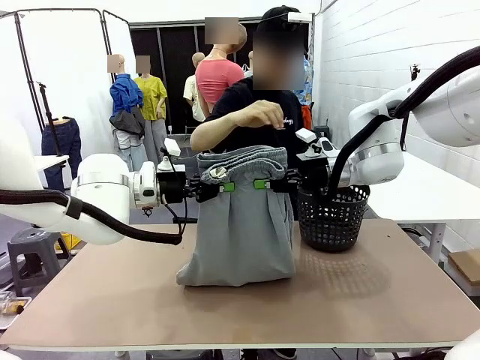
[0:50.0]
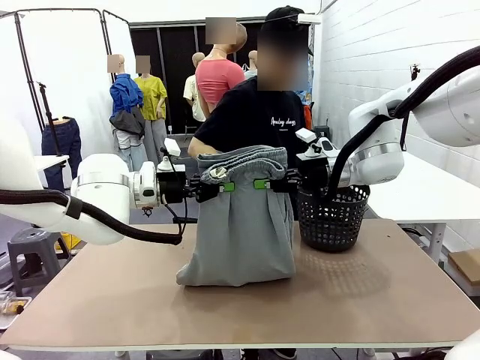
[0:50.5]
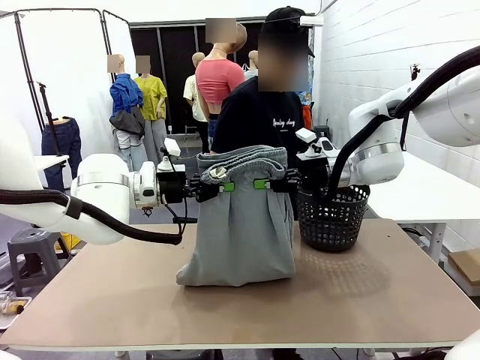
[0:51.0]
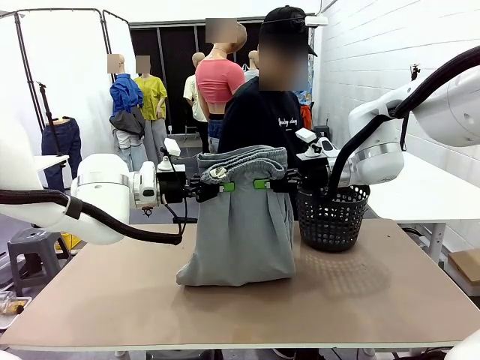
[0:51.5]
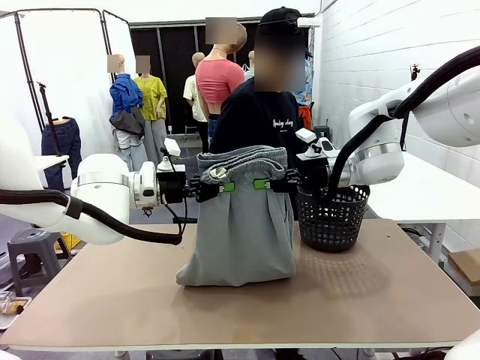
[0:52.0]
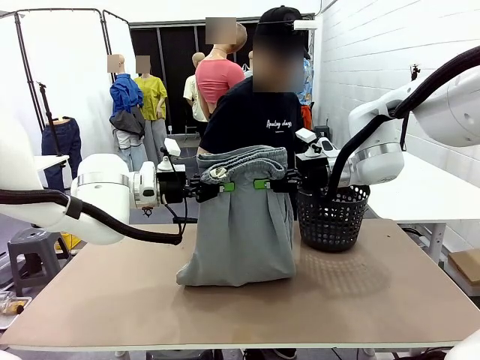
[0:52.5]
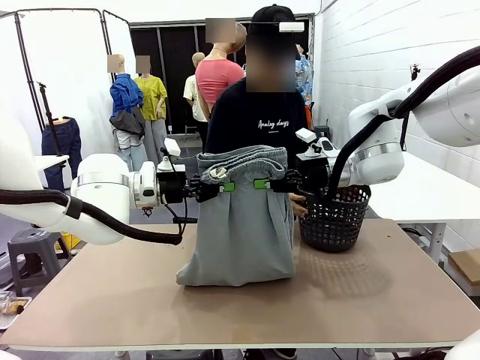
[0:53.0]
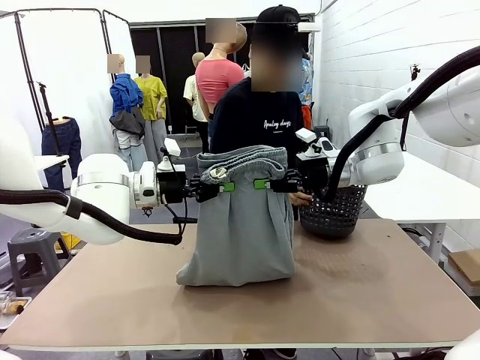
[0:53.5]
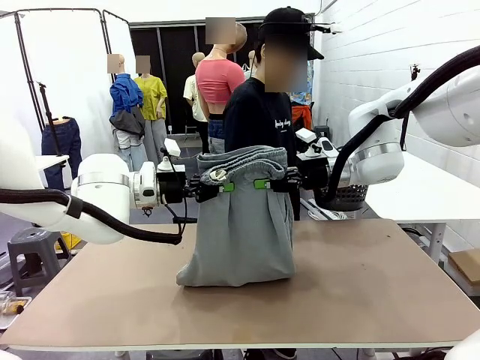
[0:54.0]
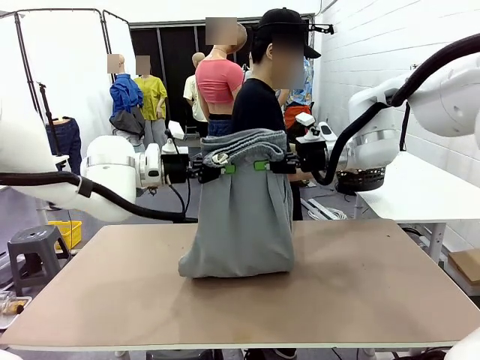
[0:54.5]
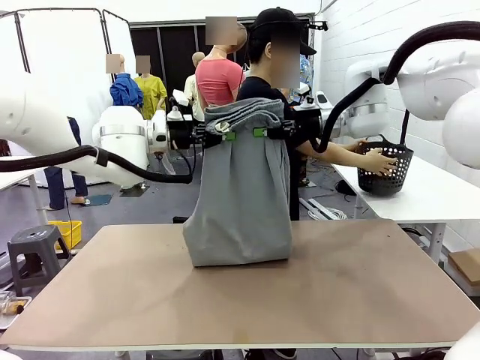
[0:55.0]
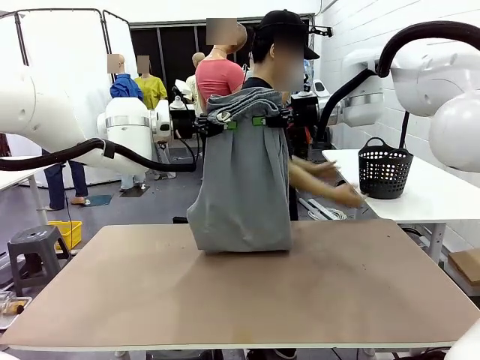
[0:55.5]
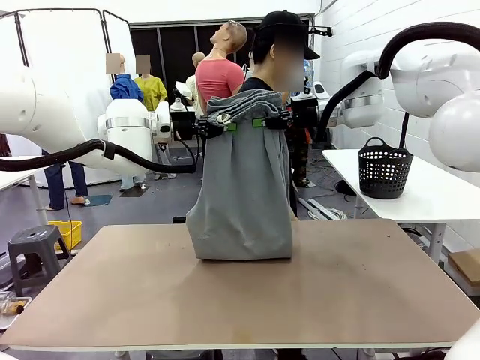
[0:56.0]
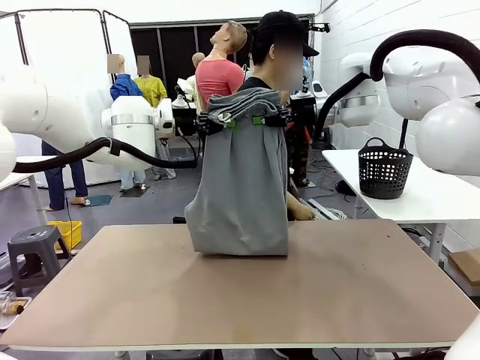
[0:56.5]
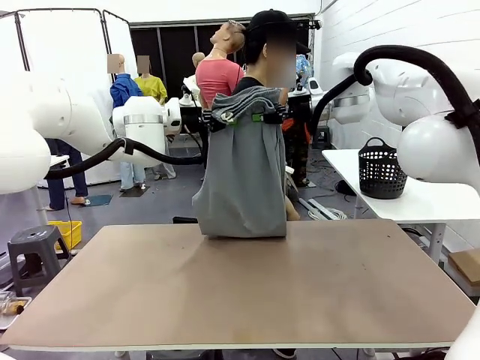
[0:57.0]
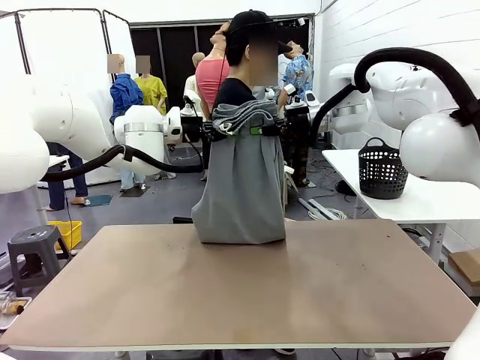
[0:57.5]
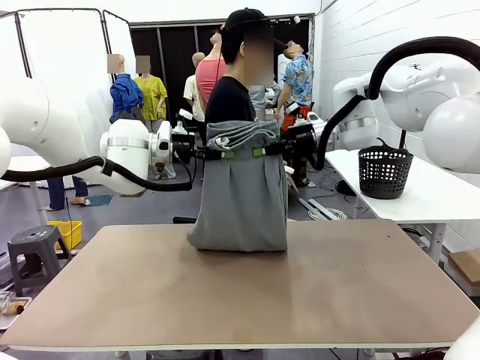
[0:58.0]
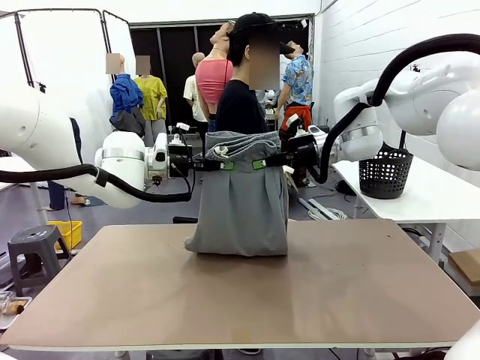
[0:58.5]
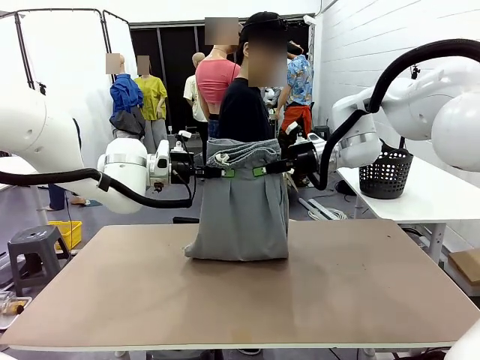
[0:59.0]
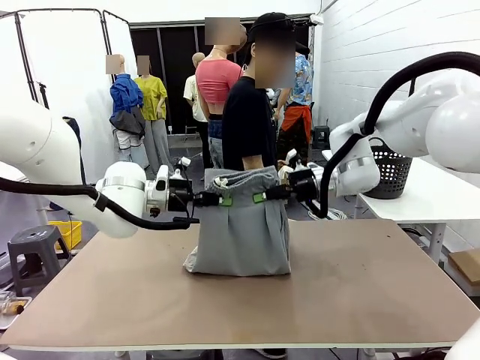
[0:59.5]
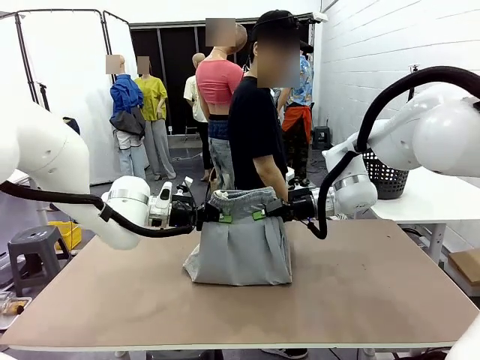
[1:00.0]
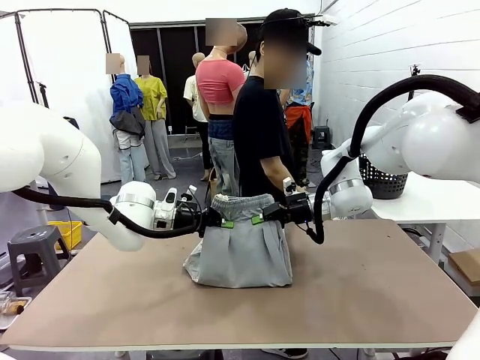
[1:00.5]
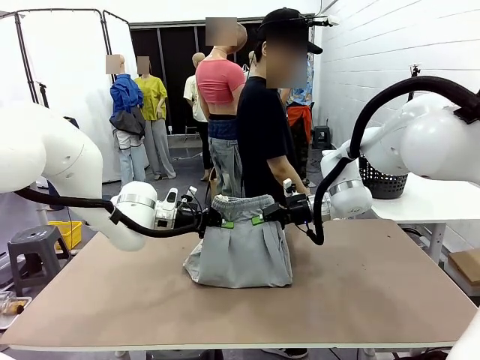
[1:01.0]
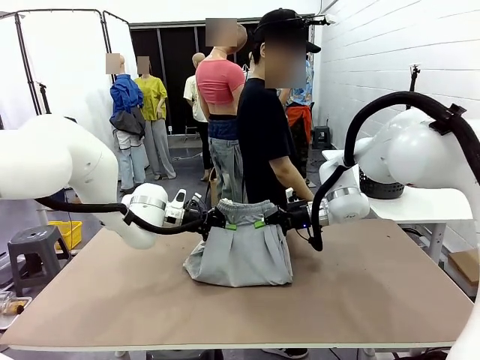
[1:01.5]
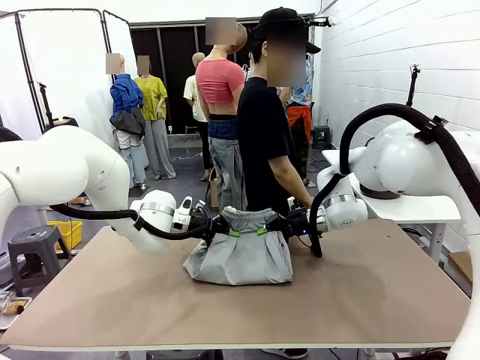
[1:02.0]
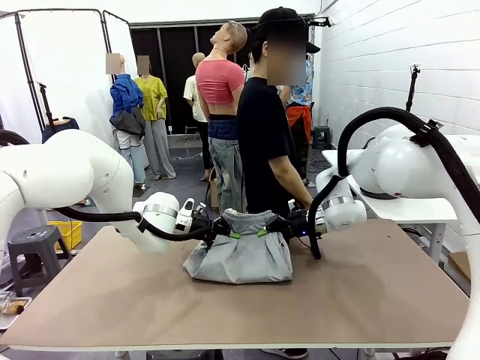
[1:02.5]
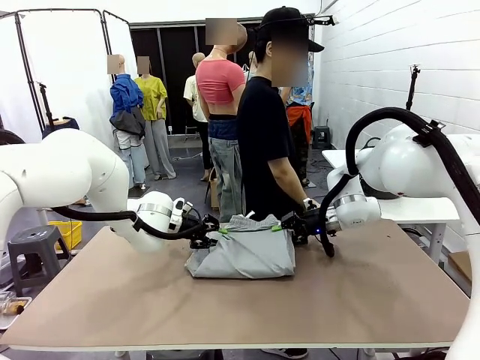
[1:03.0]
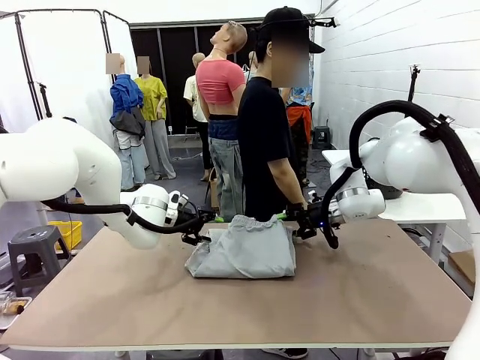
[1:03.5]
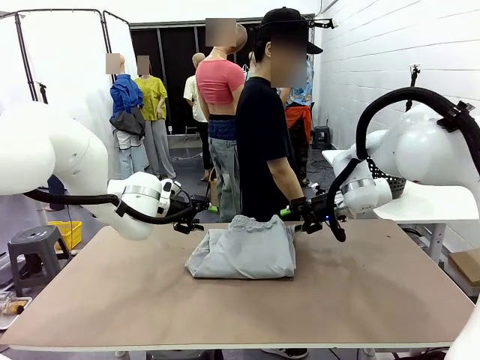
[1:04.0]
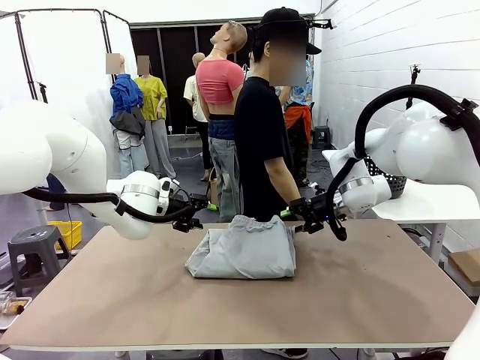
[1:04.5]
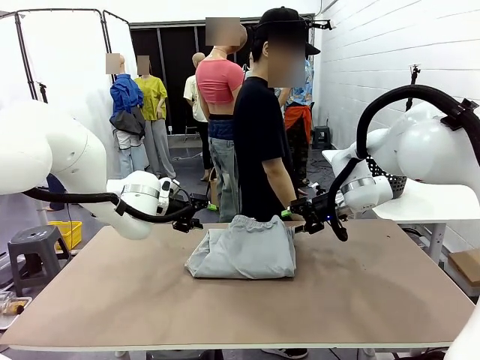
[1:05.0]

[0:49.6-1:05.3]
Task: Fold the training pants.
Robot: Fold the Training pants in half.
Person: Move the laundry basket to the right of the human table.

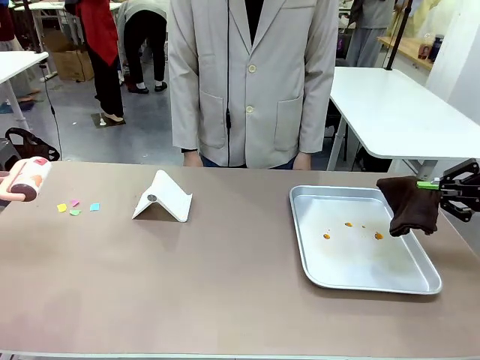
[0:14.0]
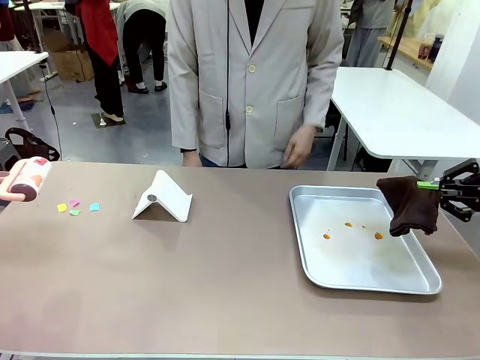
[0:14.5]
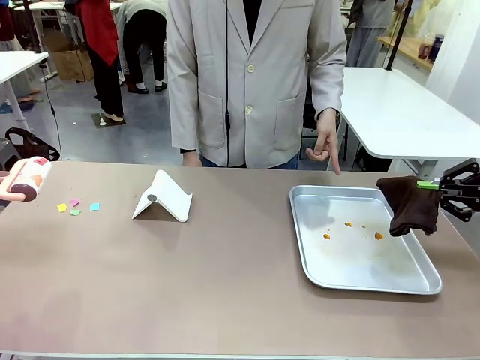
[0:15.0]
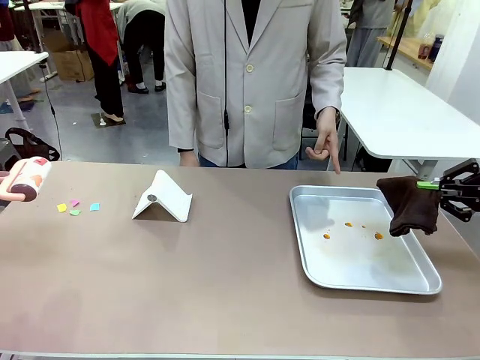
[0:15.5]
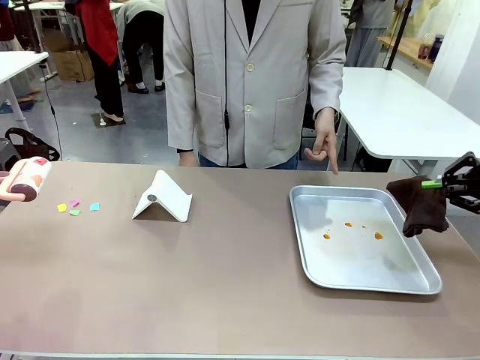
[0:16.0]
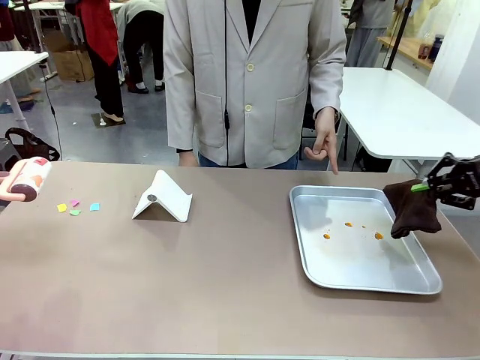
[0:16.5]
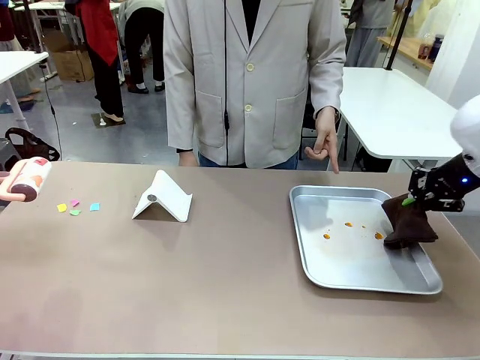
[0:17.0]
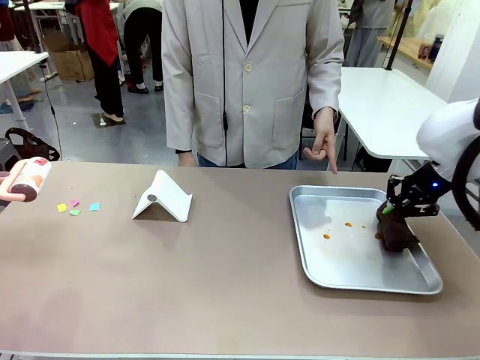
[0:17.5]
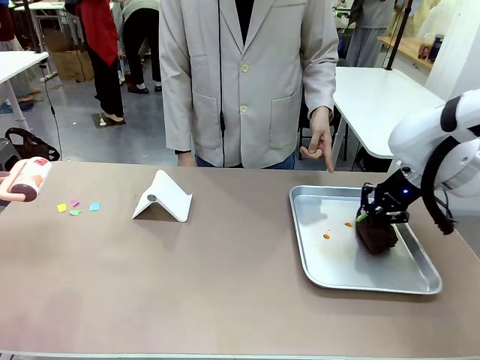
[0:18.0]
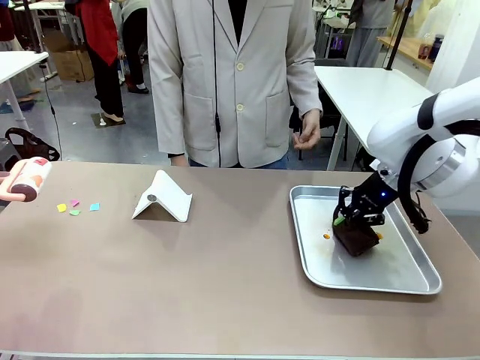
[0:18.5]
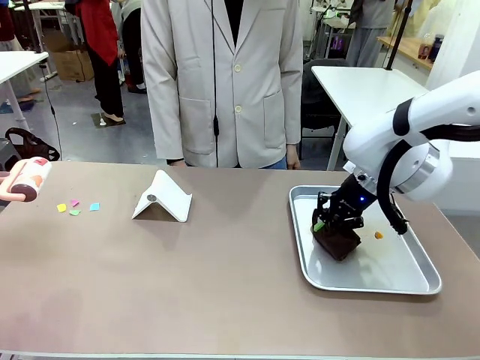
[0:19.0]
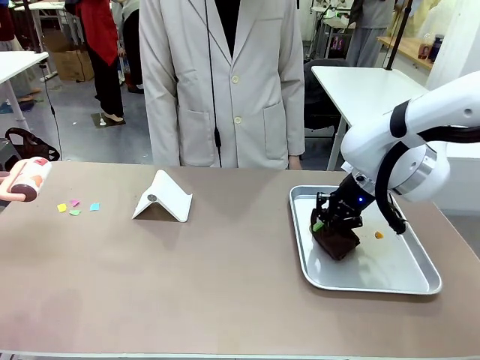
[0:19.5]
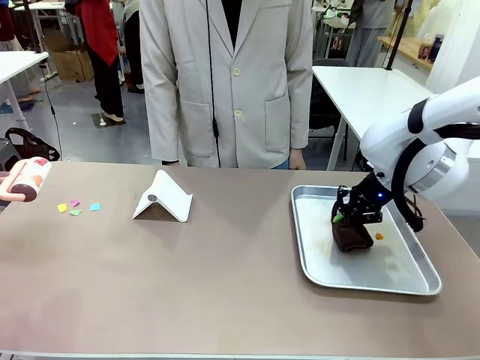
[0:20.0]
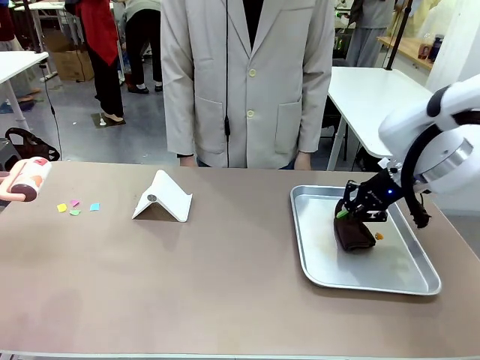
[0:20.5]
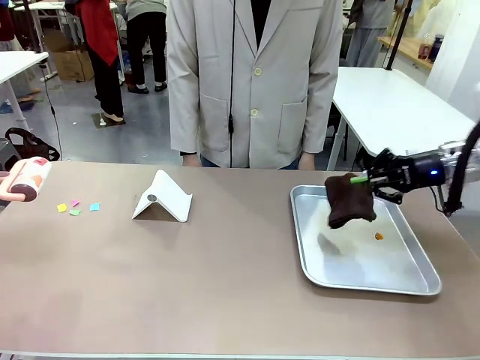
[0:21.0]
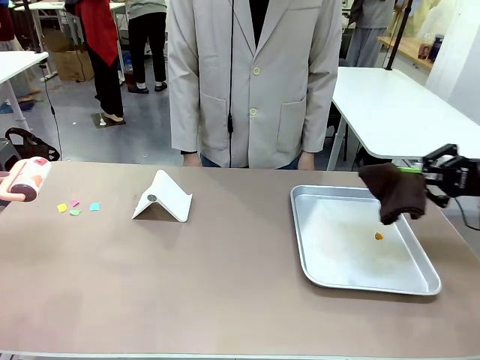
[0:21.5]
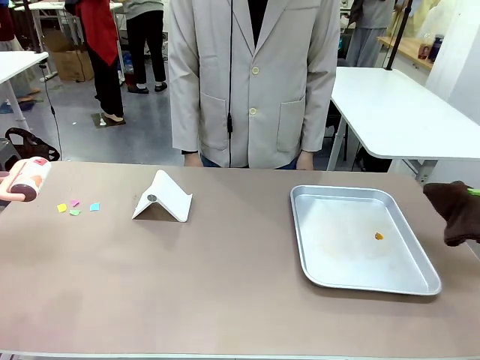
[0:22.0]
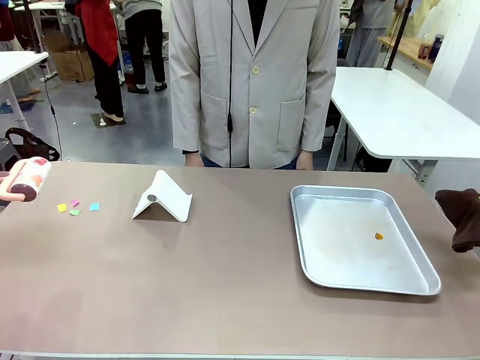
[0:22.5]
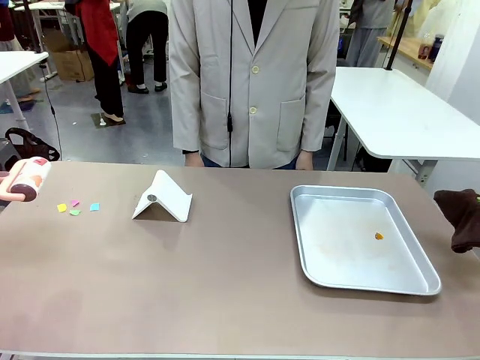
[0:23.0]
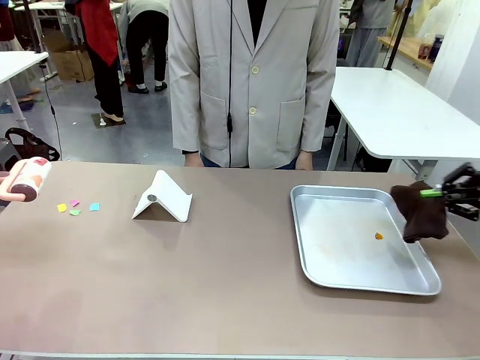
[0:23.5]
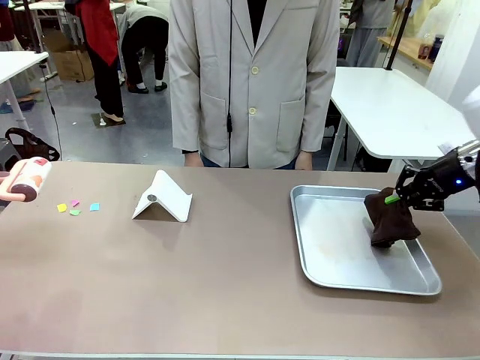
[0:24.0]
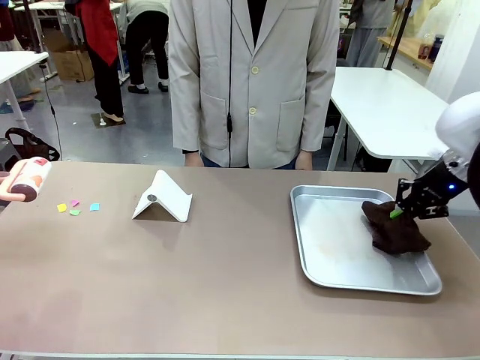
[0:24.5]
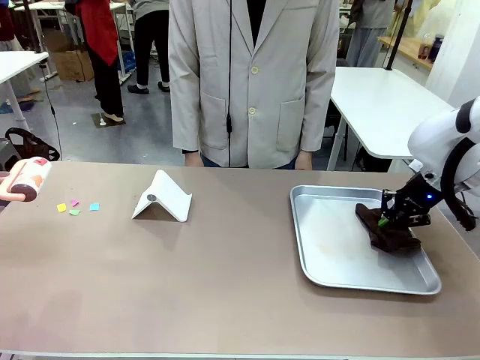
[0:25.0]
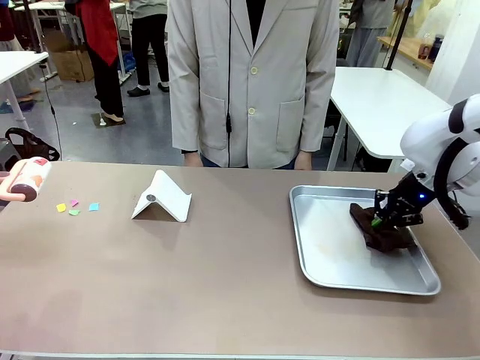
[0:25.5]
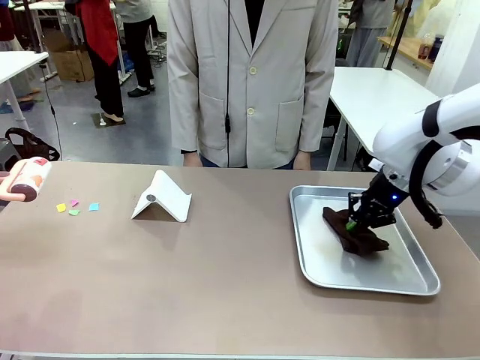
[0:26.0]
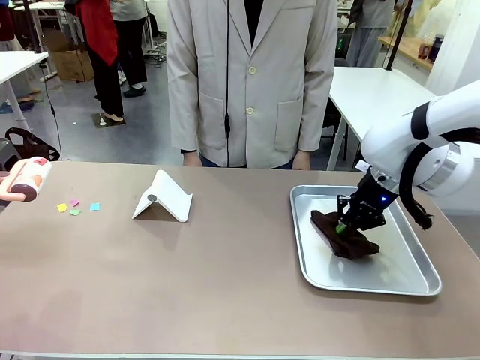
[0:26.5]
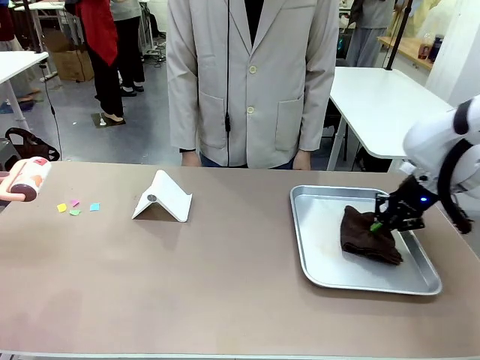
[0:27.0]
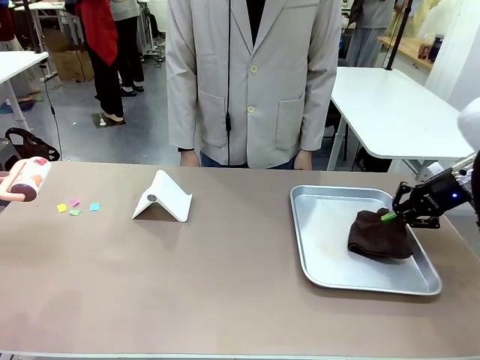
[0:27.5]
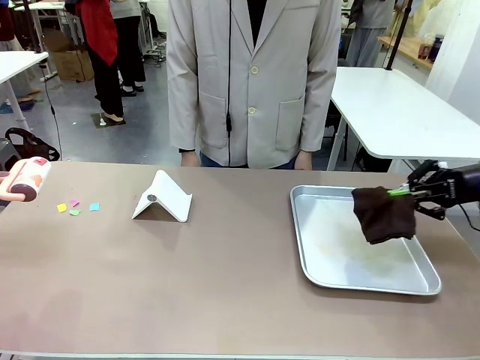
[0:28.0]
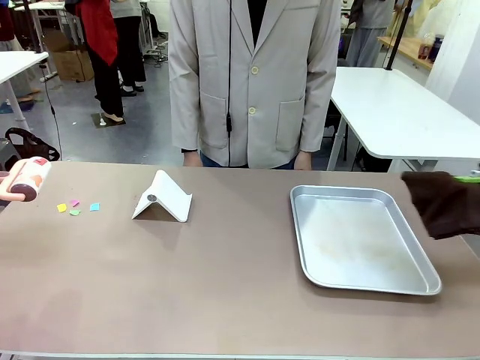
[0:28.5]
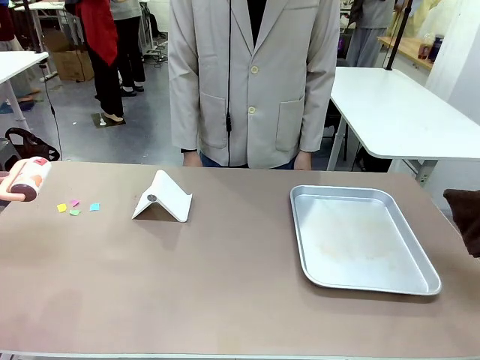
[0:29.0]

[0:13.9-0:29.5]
Task: Clean the surface of the table.
Robot: If a person points to the right, clean the right side of the table with your right hand, and if they point to the left, clean the left side with your left hand.
